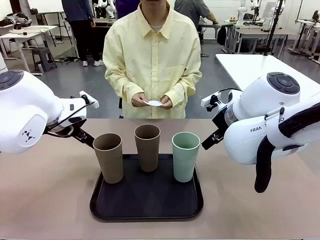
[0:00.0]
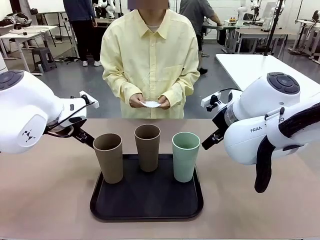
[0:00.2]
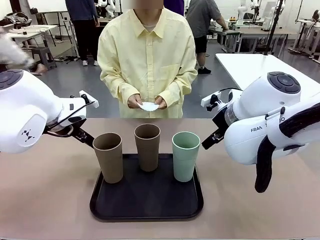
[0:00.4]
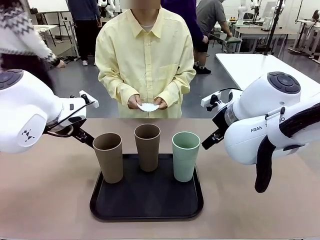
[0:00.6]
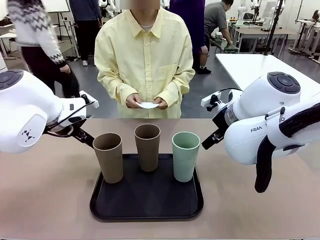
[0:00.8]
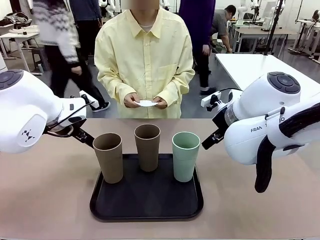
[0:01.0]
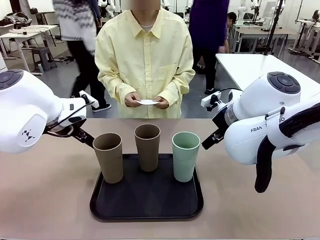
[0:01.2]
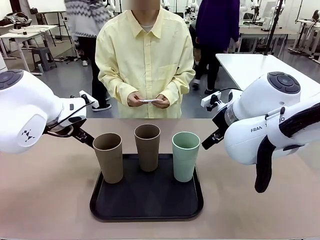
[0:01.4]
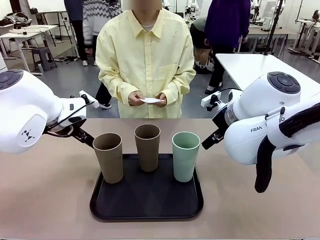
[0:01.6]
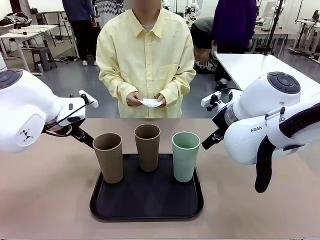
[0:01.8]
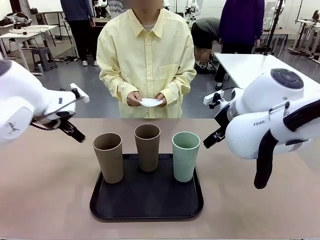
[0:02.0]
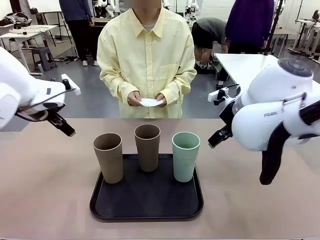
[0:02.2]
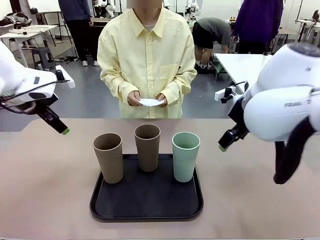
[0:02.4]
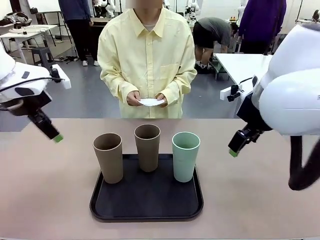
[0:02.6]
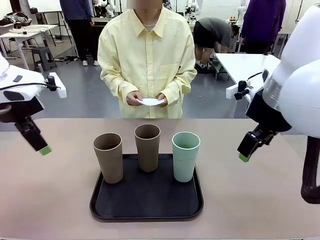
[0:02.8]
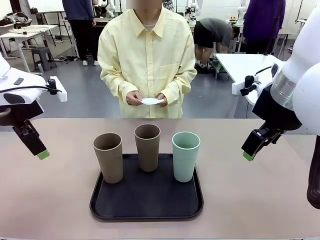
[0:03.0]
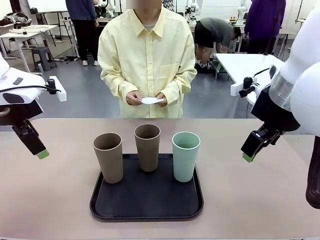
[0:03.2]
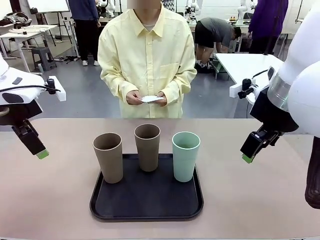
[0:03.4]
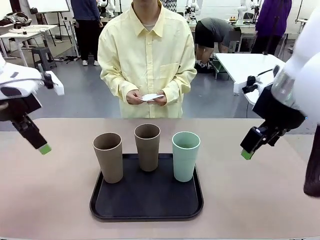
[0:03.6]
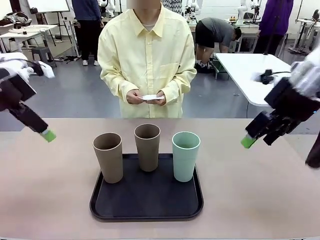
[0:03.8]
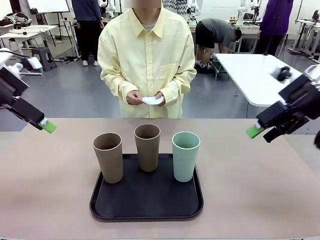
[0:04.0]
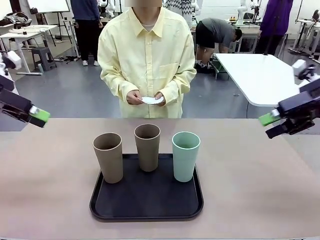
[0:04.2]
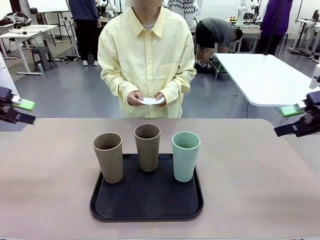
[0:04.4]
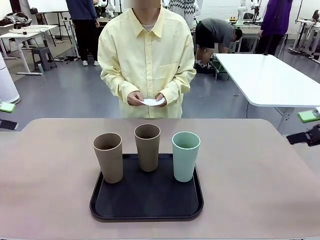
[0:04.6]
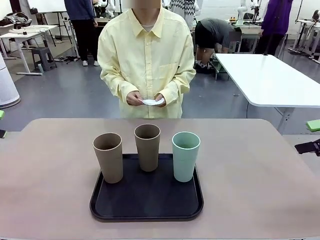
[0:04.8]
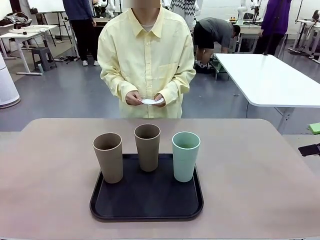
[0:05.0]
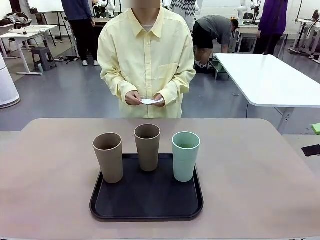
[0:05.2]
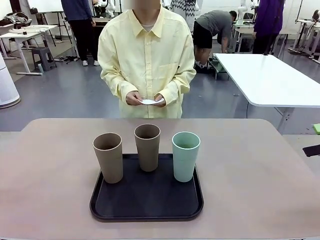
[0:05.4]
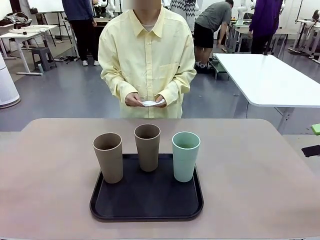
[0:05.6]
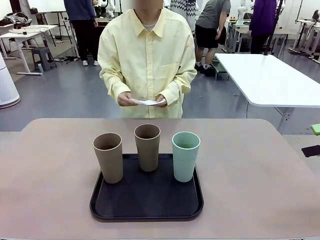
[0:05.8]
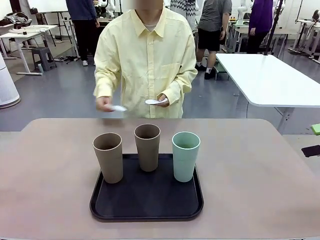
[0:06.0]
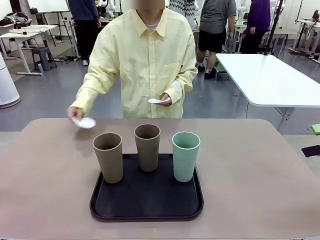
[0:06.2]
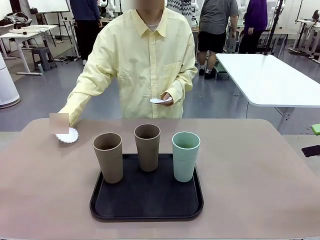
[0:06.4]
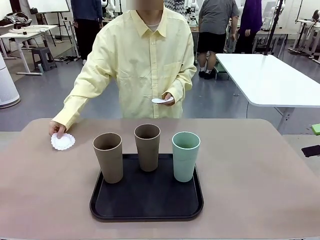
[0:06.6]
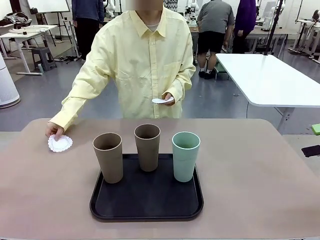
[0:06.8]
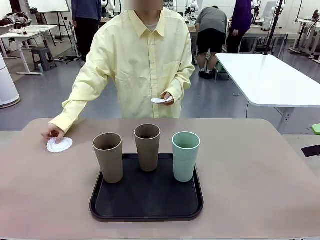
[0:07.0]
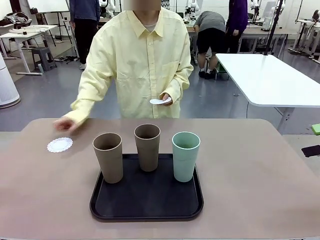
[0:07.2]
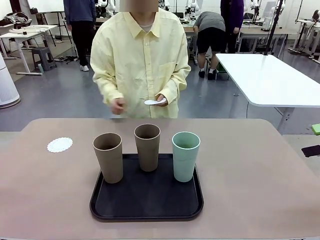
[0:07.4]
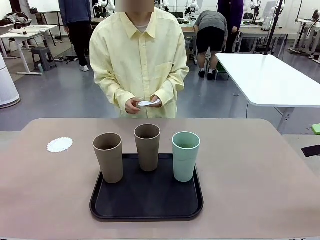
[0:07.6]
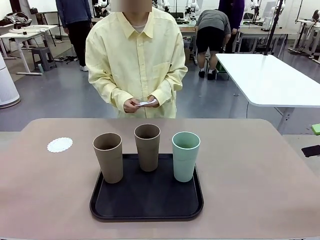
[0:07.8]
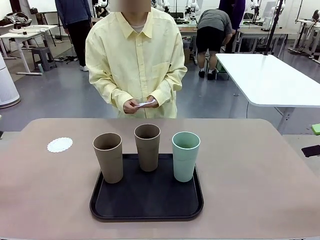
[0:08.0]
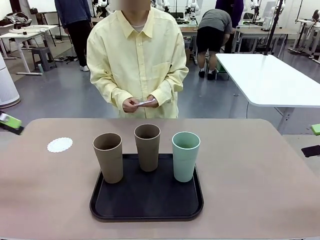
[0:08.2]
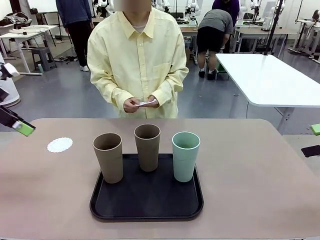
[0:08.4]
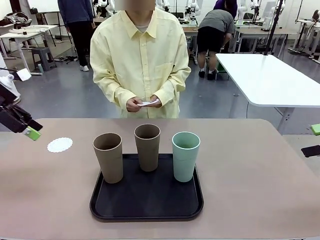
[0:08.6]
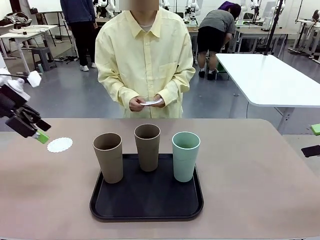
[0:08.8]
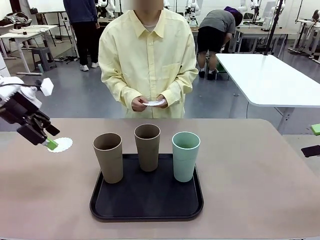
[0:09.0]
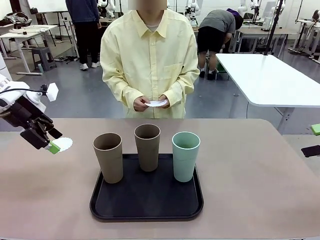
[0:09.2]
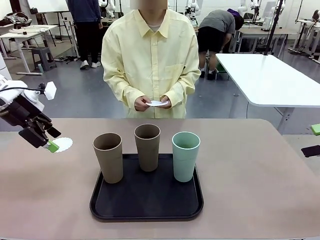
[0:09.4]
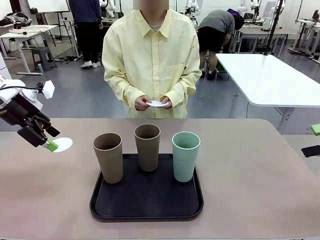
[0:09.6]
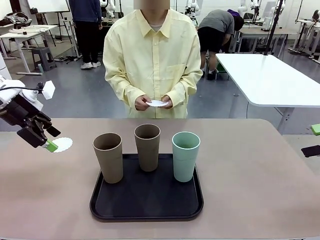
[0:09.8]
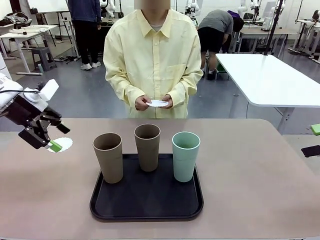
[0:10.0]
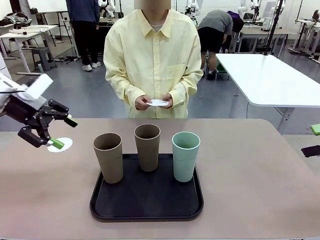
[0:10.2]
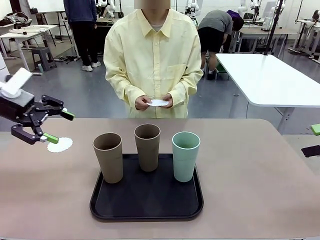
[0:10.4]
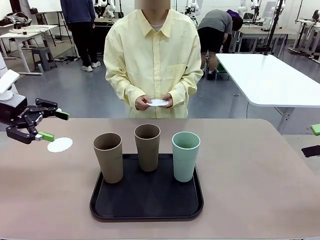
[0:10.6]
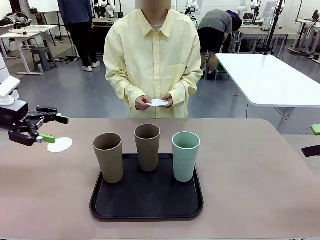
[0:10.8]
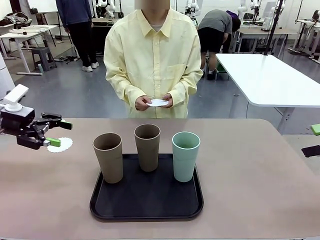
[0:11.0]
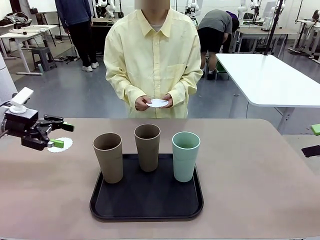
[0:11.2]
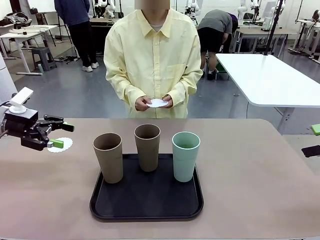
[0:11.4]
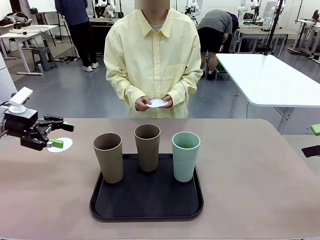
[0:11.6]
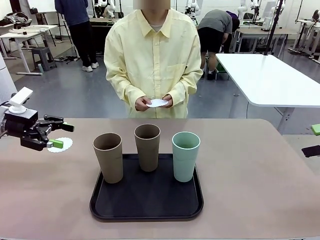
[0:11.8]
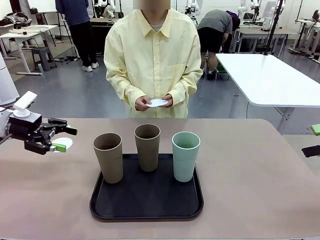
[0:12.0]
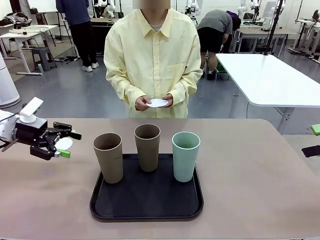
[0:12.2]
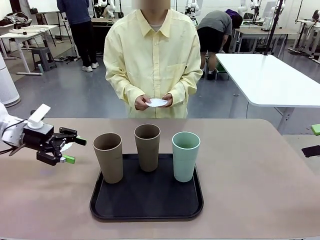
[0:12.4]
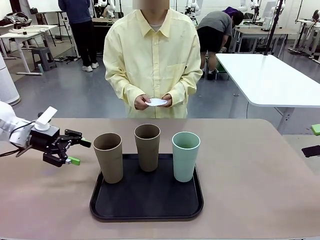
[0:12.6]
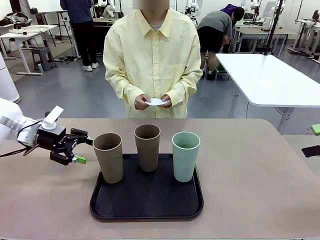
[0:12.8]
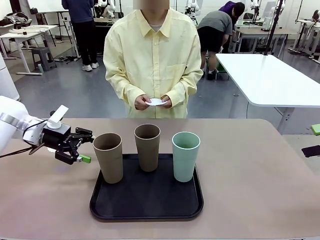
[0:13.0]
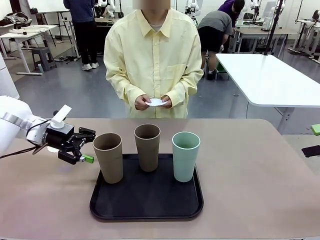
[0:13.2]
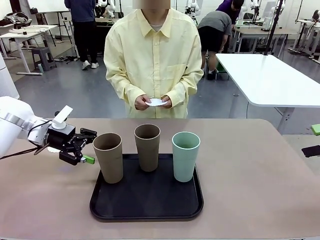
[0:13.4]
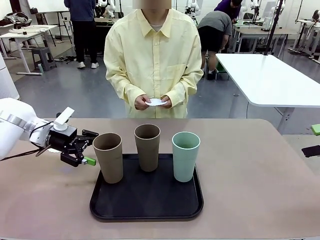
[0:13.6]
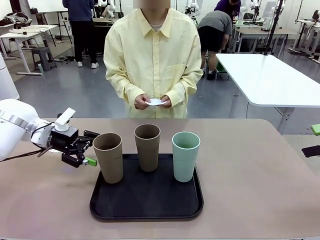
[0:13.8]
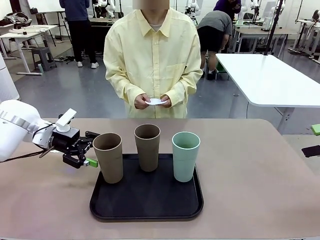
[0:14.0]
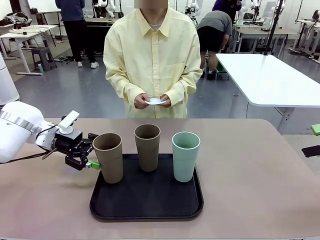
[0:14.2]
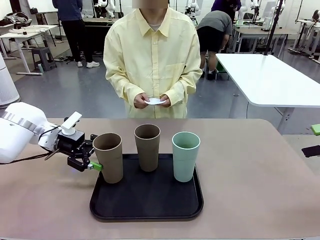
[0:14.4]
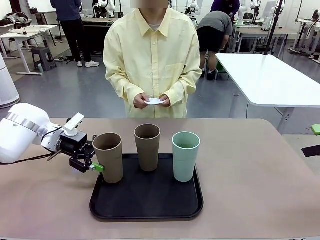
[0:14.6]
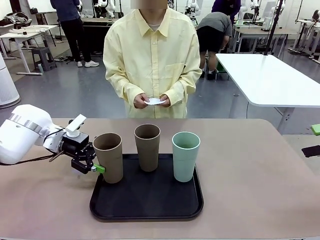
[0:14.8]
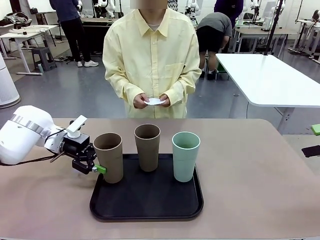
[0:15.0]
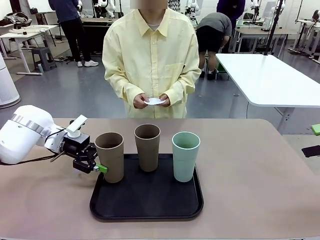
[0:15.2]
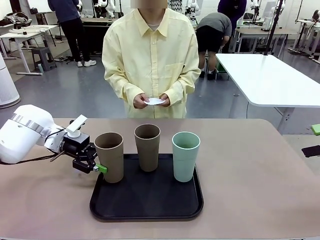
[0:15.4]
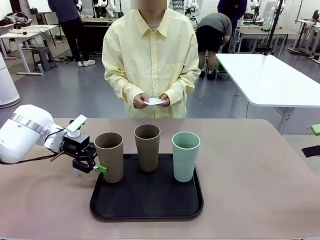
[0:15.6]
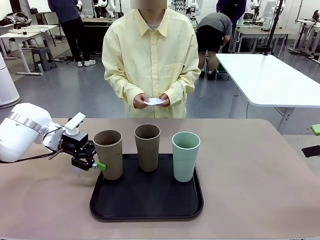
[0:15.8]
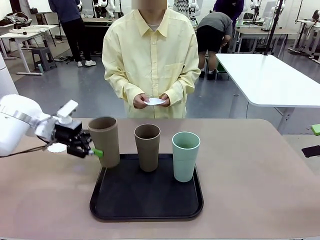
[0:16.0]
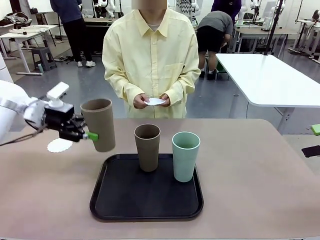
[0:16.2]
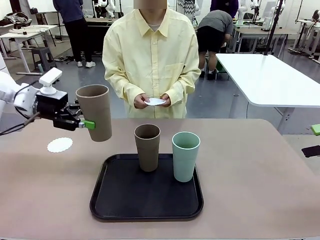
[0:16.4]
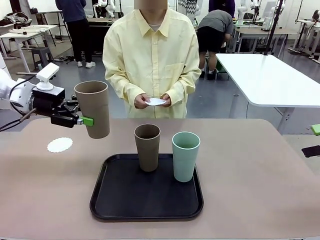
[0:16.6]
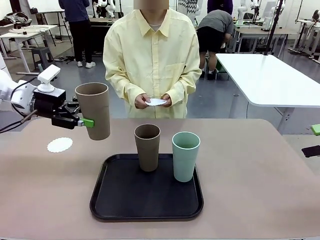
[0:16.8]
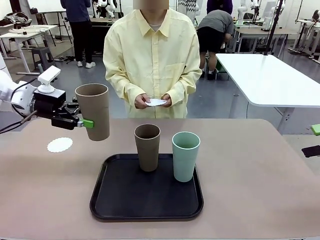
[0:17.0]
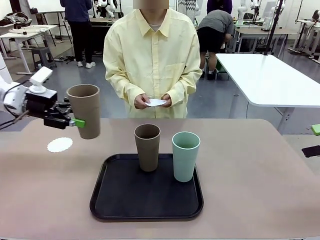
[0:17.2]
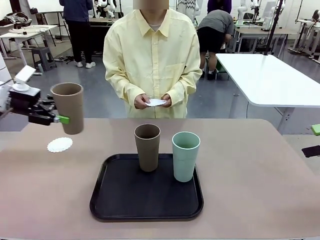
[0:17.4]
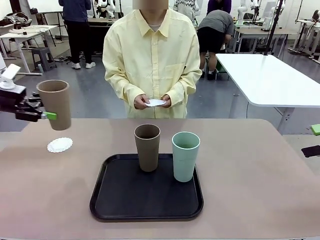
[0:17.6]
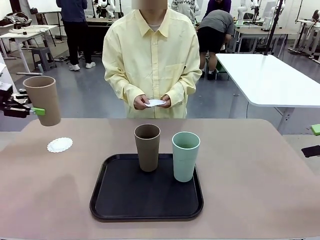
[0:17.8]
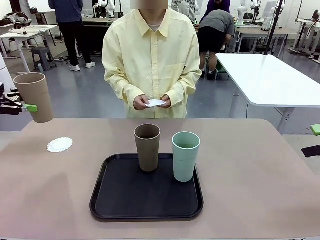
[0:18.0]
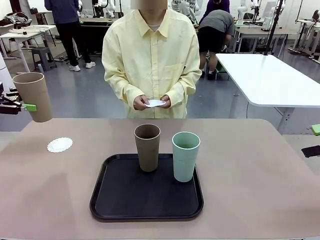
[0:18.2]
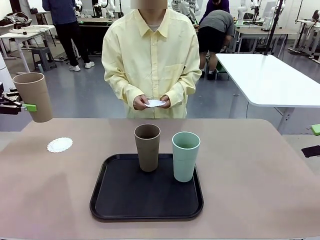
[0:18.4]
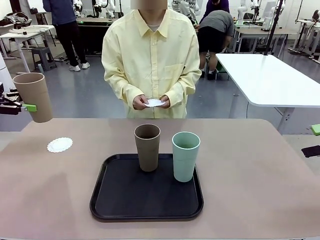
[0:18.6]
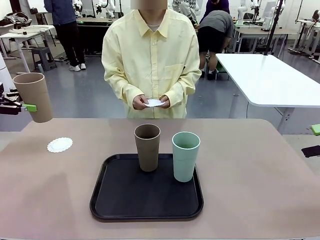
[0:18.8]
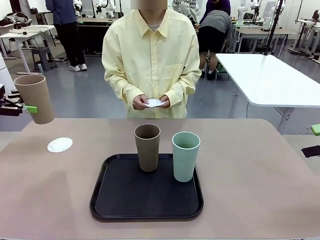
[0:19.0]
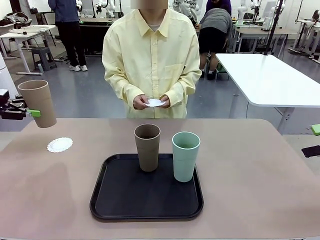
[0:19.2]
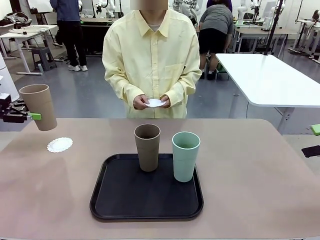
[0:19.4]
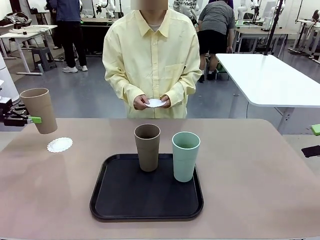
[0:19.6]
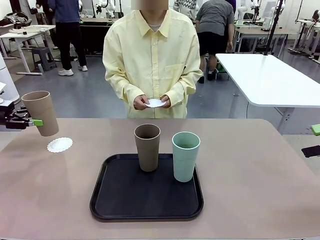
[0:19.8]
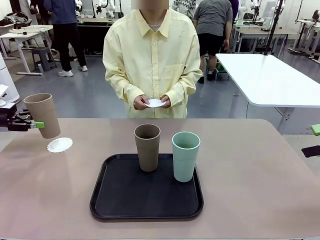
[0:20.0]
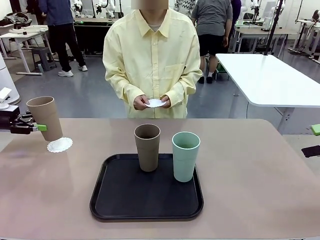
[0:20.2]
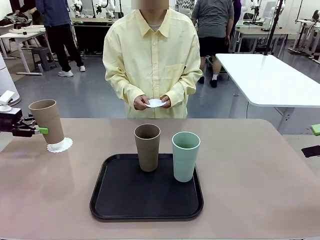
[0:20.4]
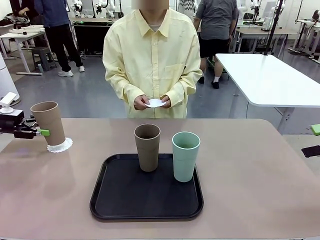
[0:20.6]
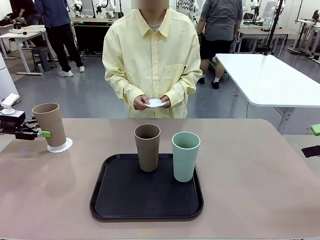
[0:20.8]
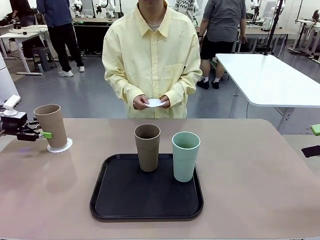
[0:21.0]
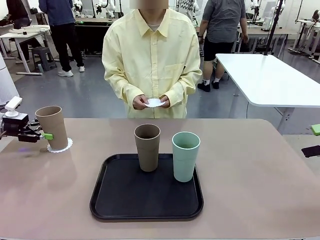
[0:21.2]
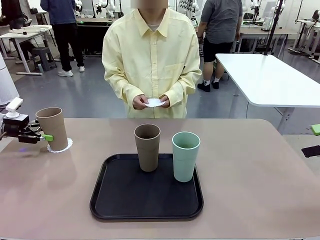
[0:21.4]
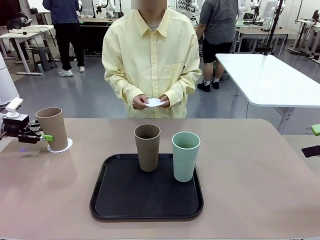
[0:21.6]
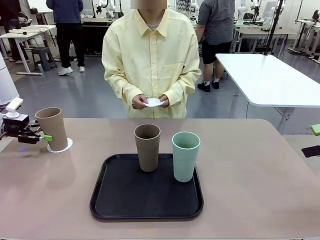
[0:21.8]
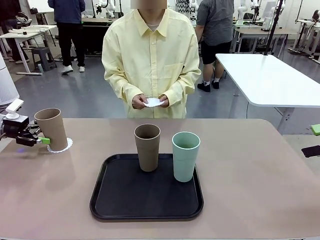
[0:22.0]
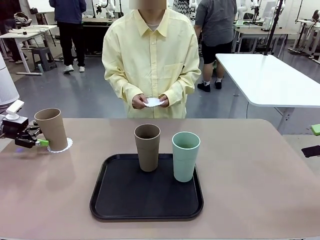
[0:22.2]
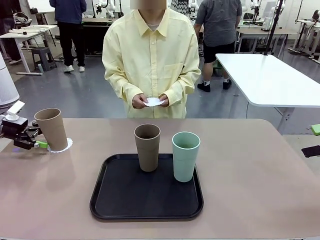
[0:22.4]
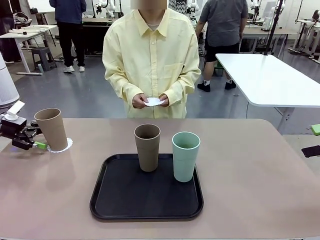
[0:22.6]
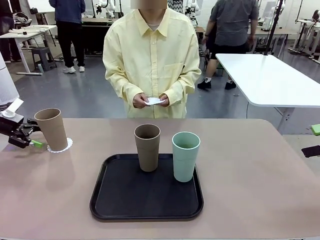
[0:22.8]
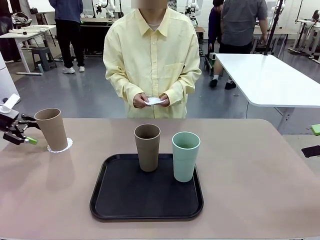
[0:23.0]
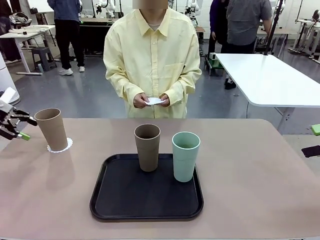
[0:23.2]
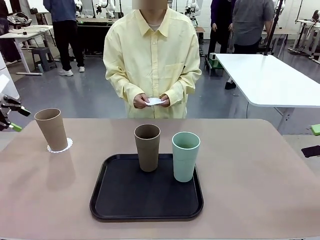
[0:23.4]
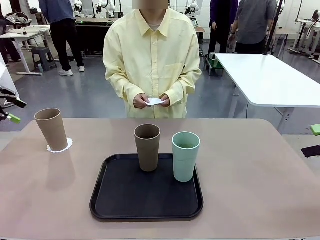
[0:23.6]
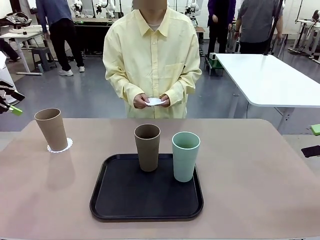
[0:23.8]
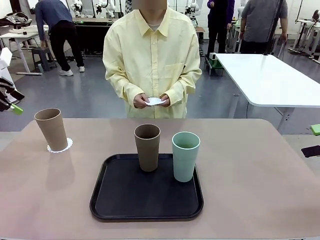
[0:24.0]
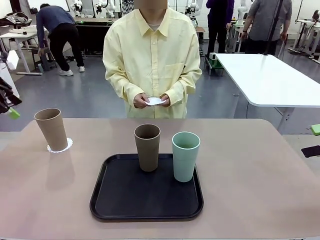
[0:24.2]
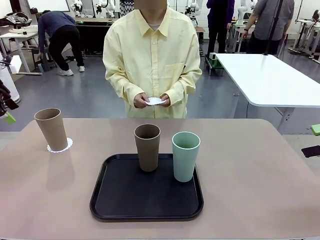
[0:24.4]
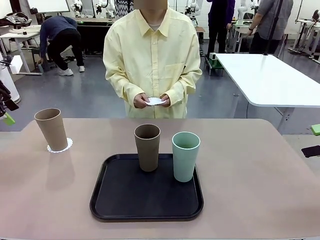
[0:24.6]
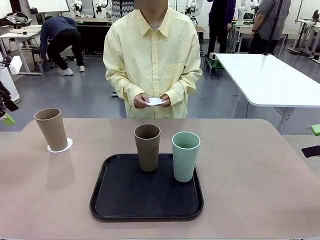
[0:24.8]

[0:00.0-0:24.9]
Task: Place coasters on the table and set cups on them.
Robot: Pick up one Reusable plastic cup and place it on a coaster set by the human.
Person: Place one coaster in any one of the three lower areas of the robot table (left, center, or right). Place one coaster in one of the two areas excluding the previously selected area.
